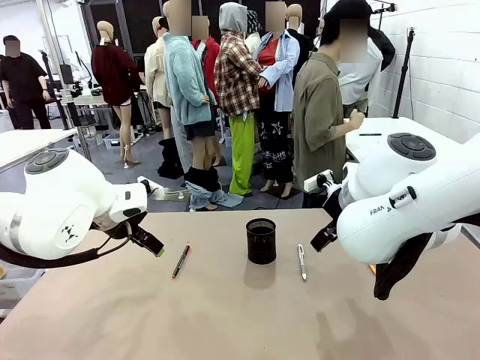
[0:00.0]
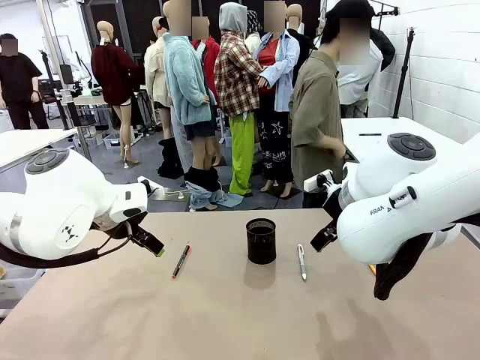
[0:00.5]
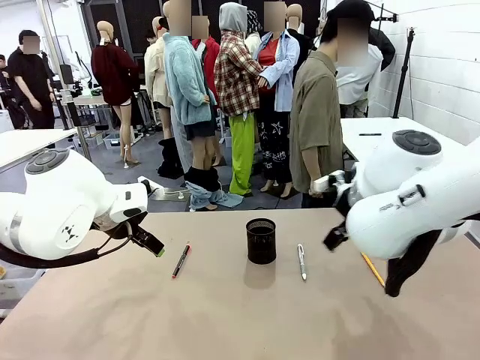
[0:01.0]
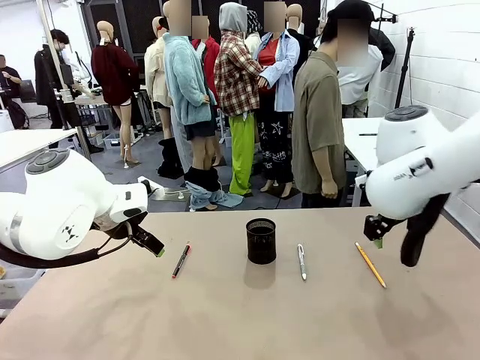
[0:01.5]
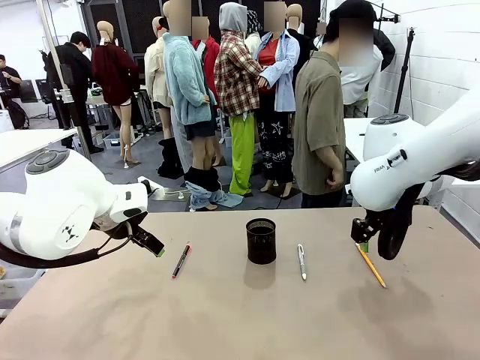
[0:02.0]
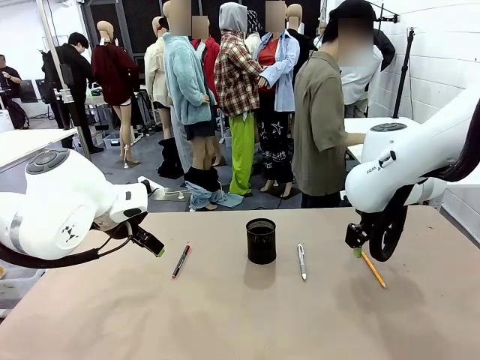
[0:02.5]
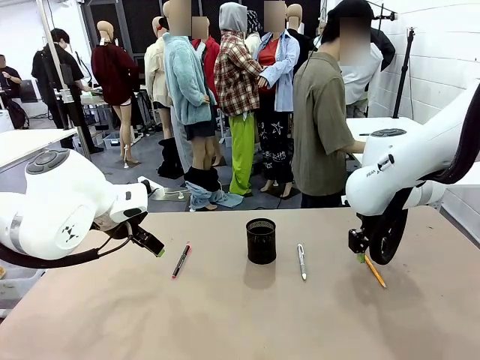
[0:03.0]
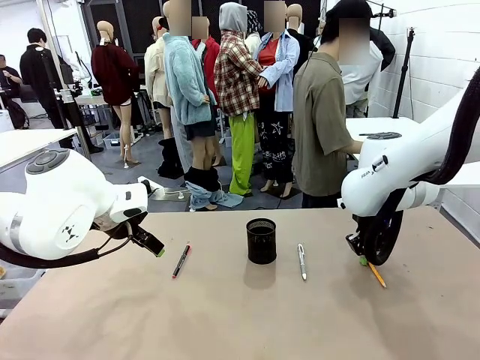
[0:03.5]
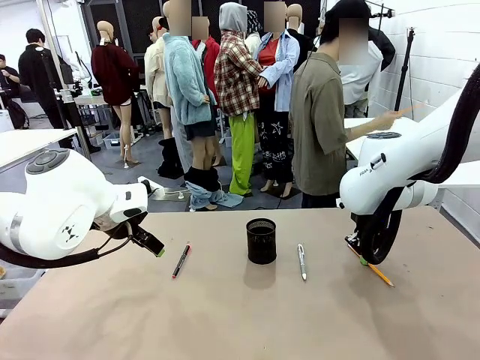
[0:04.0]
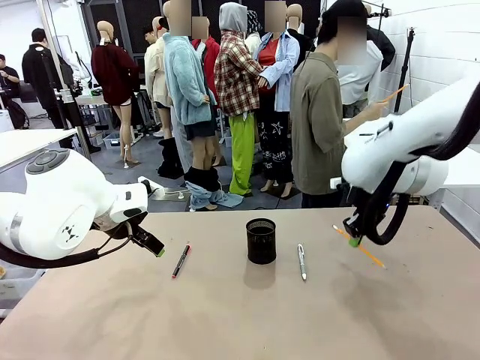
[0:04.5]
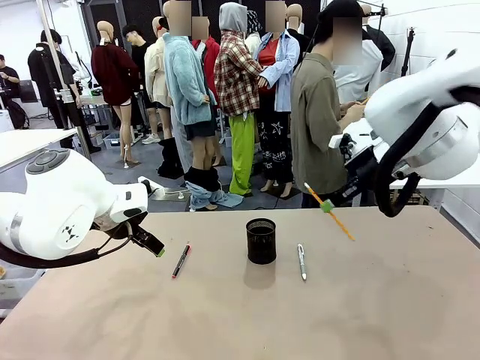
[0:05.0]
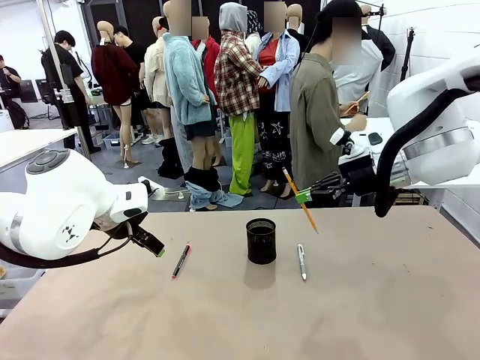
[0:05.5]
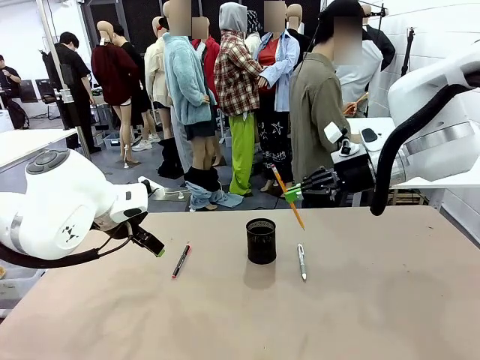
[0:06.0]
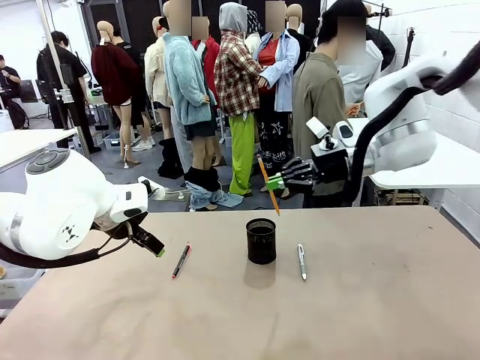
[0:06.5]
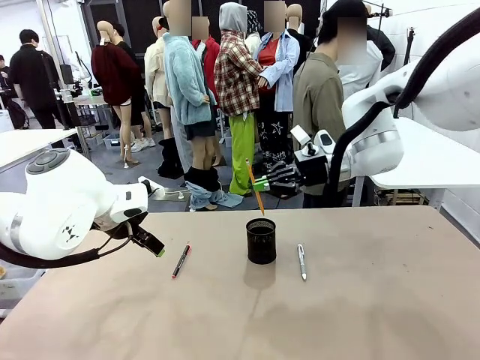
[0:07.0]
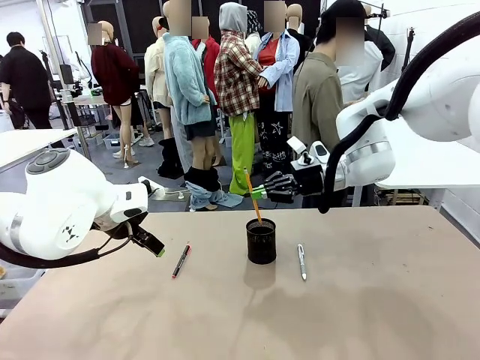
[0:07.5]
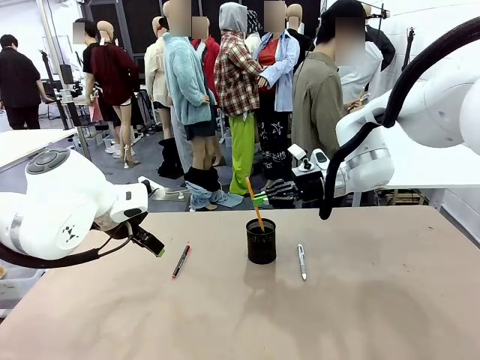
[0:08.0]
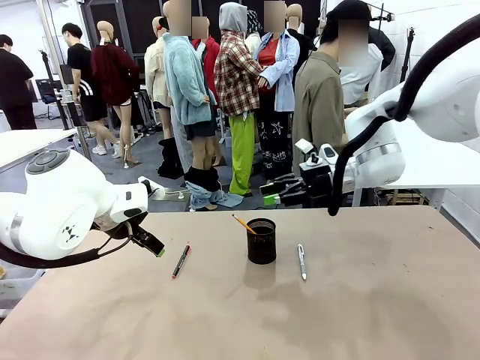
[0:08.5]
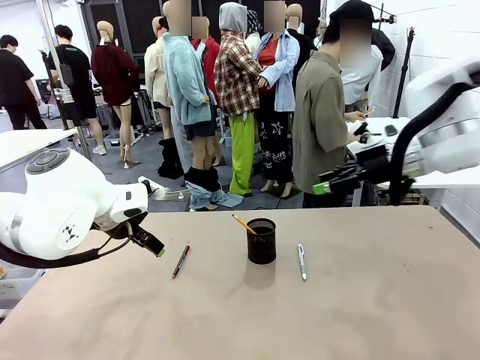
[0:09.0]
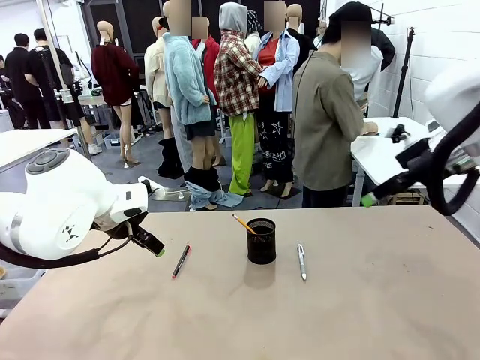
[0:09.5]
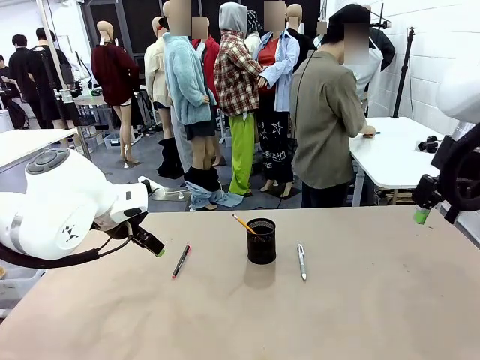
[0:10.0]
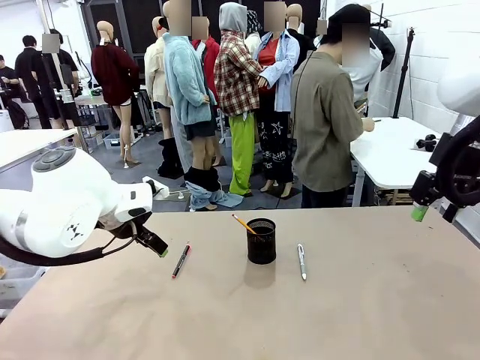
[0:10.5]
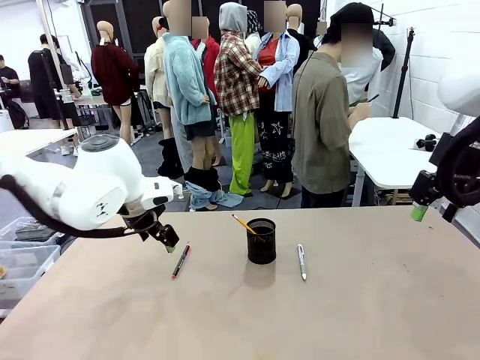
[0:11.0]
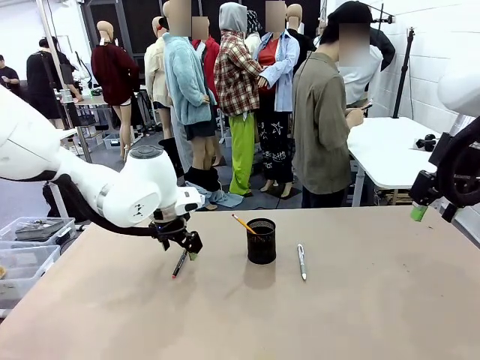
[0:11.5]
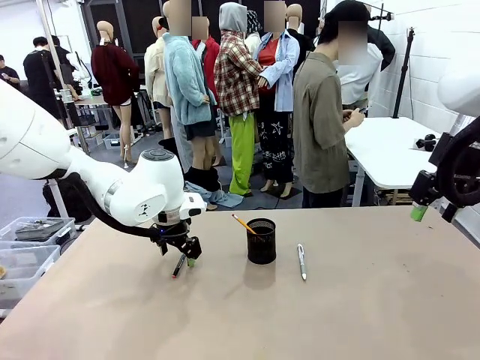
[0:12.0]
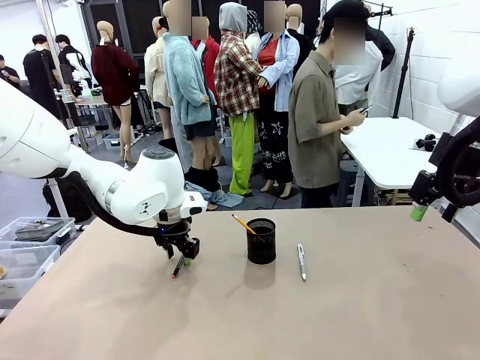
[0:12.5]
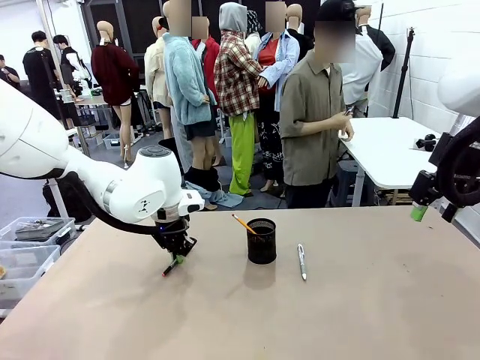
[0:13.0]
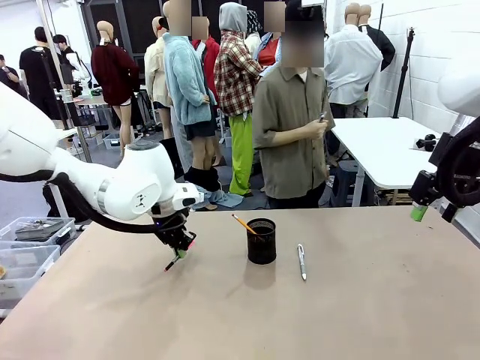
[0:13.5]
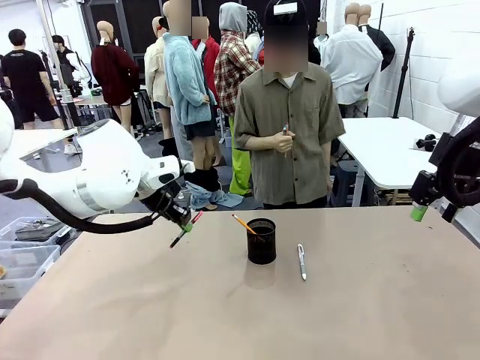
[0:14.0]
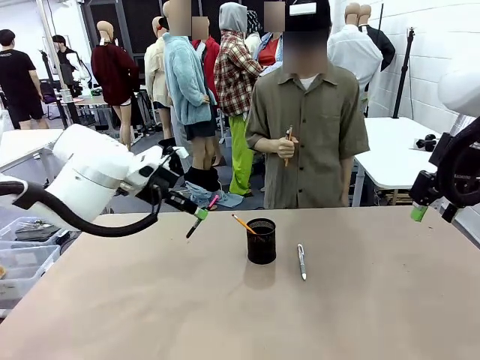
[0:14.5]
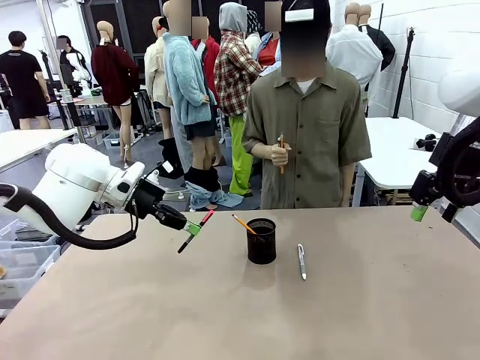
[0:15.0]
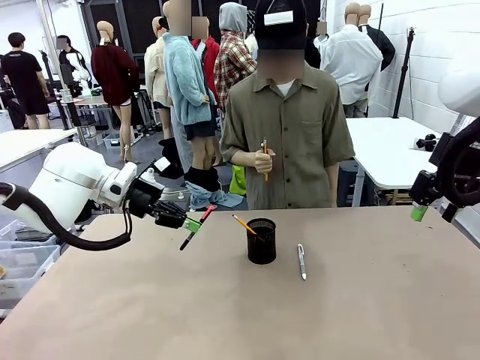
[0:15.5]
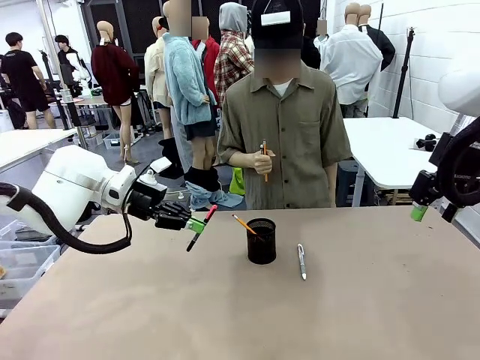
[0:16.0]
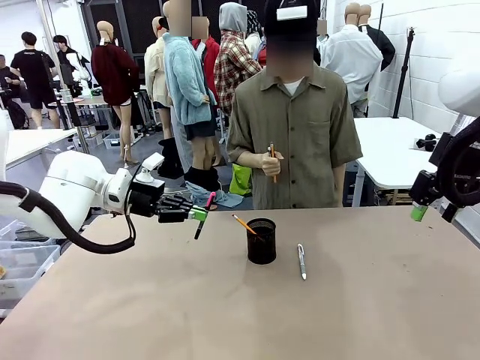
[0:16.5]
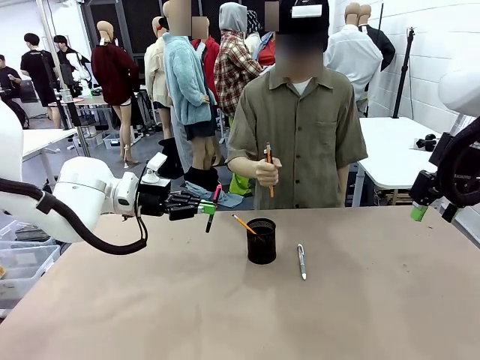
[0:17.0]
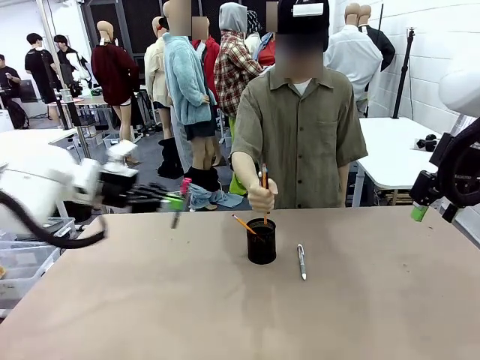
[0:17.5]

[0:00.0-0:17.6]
Task: Place the pens into the pen holder.
Robot: Pick up a writing instrument from the table and place it into the Pen holder.
Person: Pick up all writing instruments from the Human table.

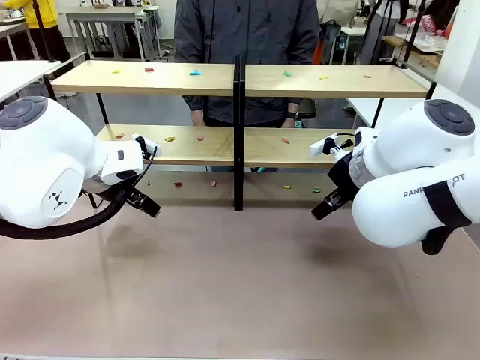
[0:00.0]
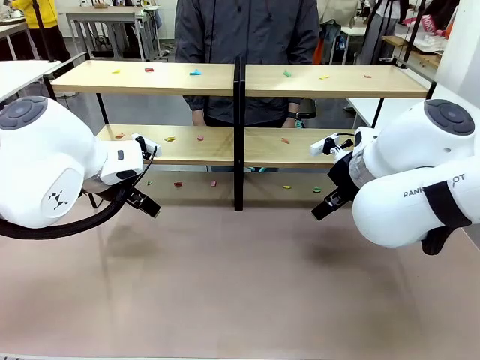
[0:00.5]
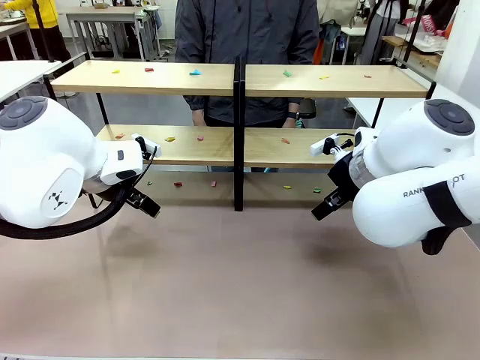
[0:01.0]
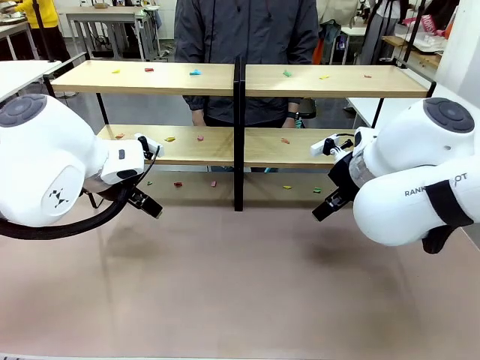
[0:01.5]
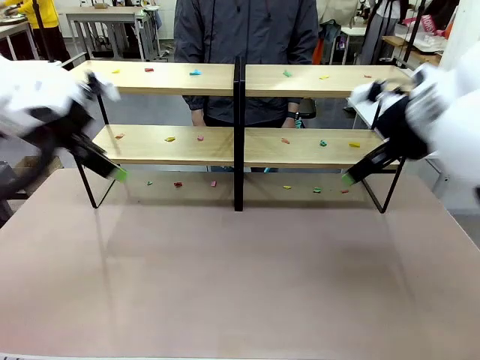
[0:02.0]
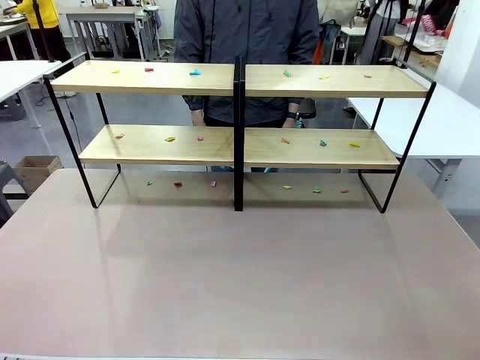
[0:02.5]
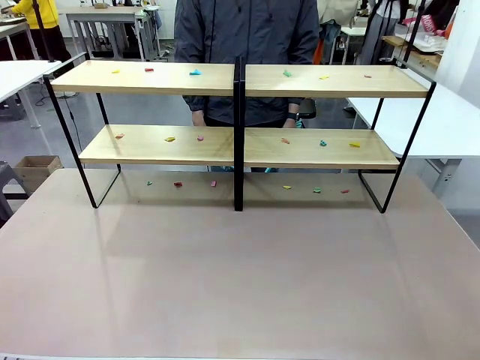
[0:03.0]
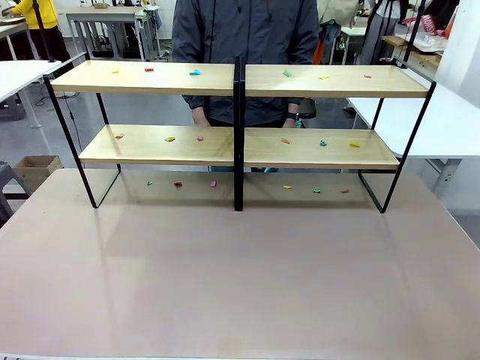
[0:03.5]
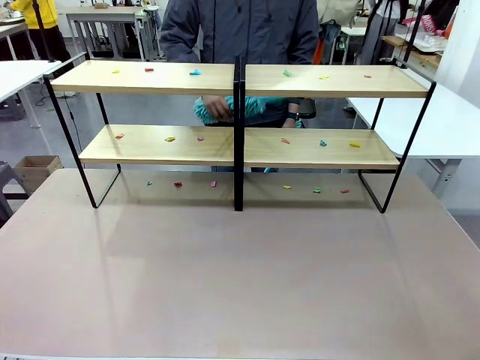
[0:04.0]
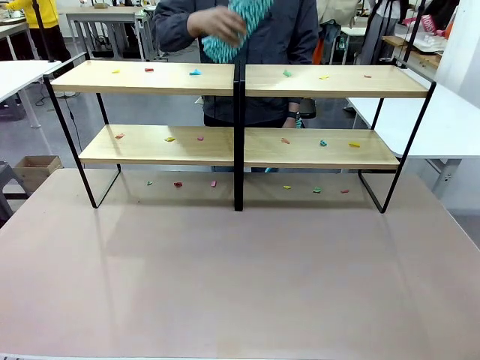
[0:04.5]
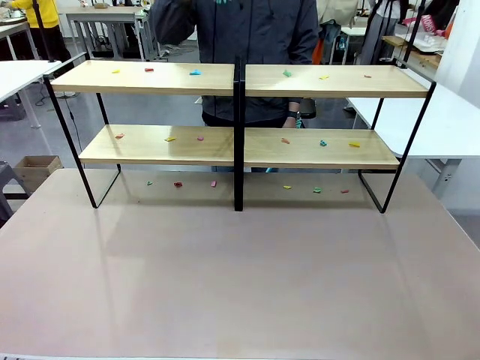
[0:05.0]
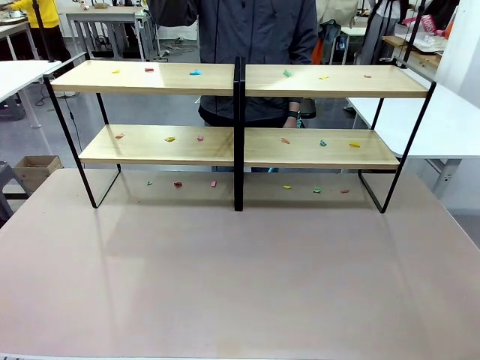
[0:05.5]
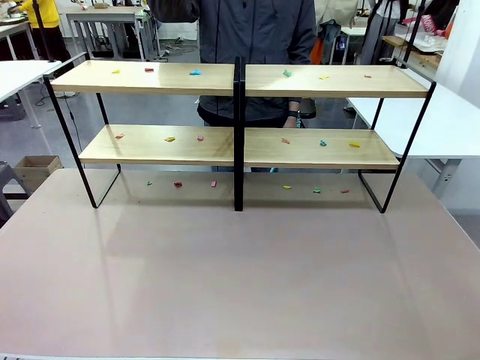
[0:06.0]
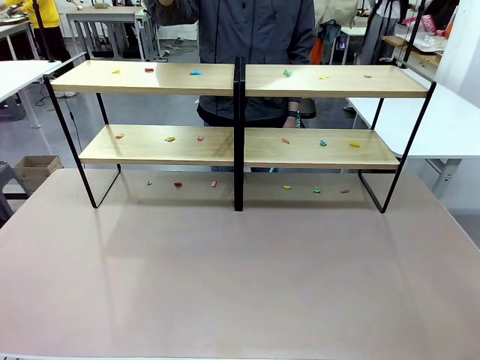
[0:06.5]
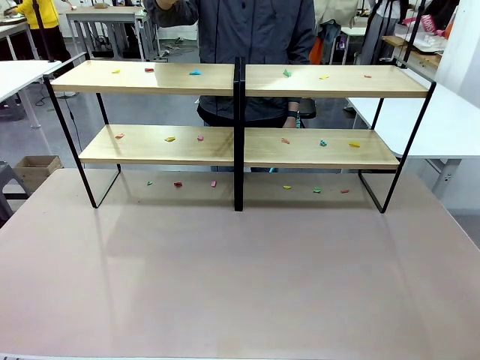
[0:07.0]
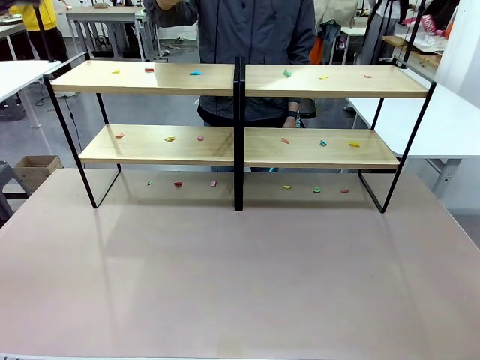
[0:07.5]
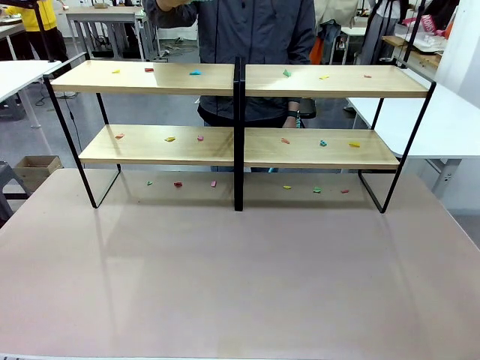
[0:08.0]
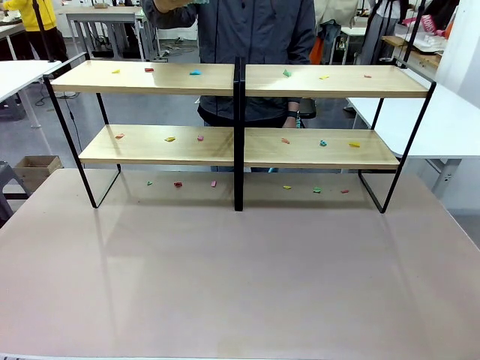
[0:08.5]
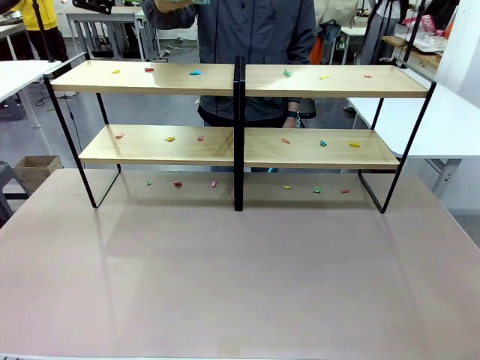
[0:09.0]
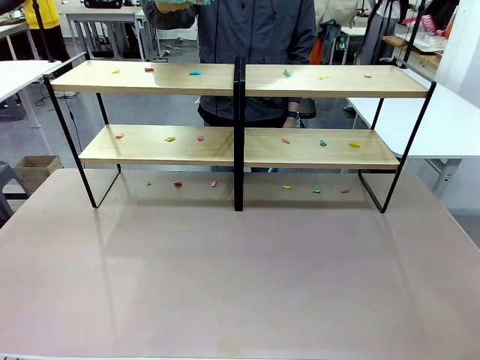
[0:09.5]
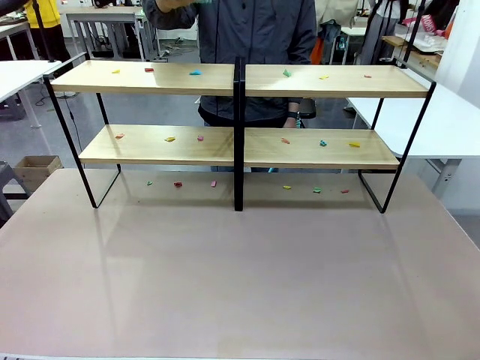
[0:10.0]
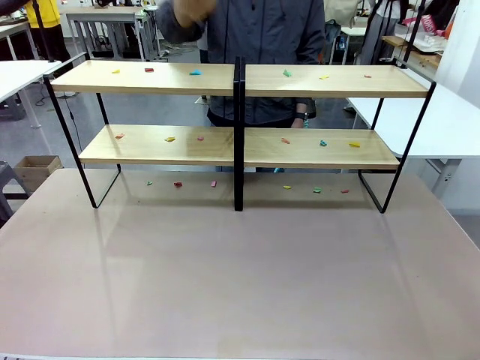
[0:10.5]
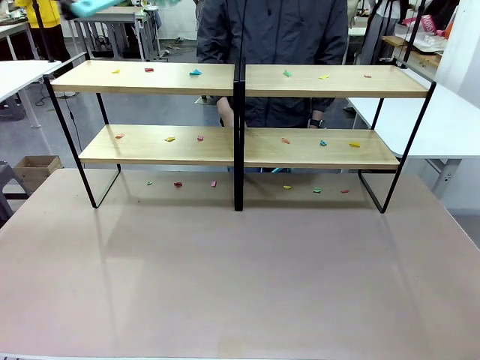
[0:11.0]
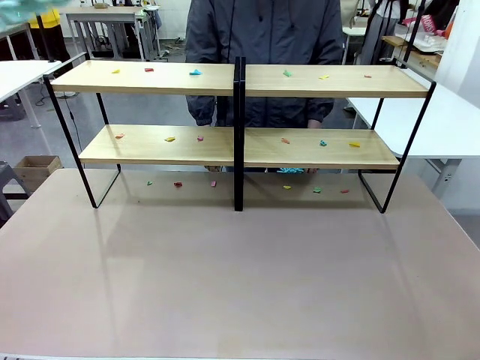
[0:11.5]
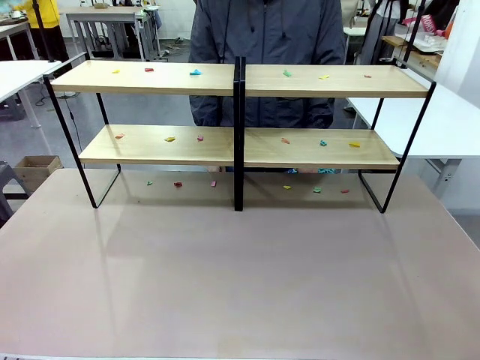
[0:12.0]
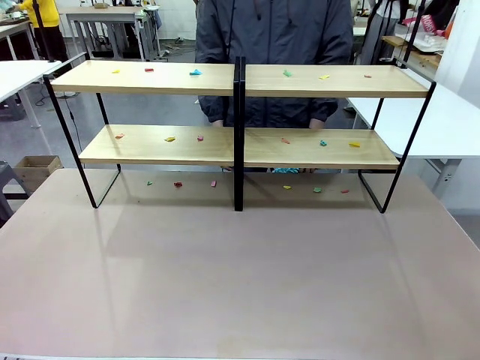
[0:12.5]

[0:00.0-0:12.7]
Task: Clean the shelves.
Robot: Pick up the Duster when the human hands it over.
Person: Hand the Duster to the robot with your right (or left) hand.
